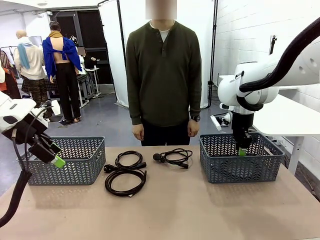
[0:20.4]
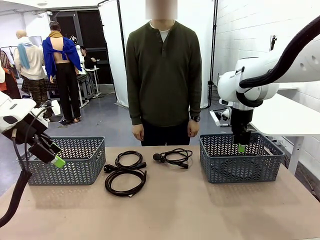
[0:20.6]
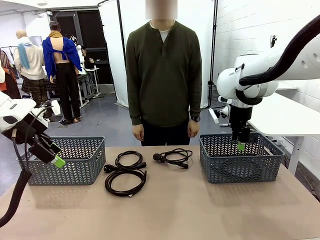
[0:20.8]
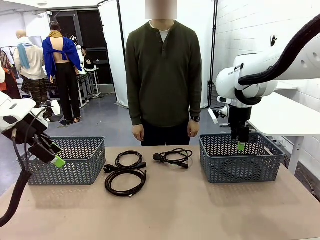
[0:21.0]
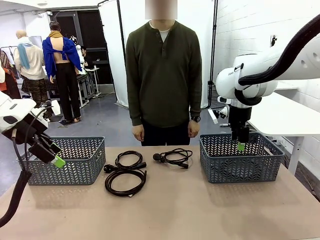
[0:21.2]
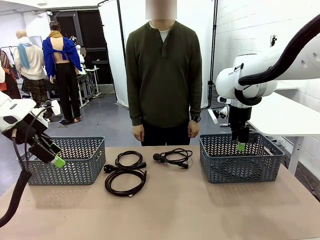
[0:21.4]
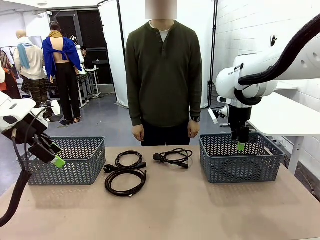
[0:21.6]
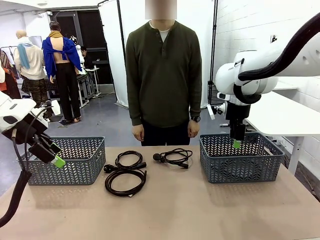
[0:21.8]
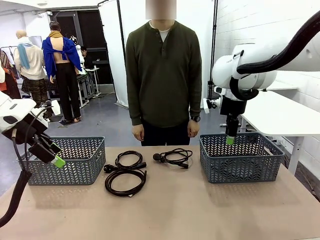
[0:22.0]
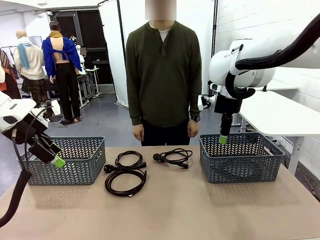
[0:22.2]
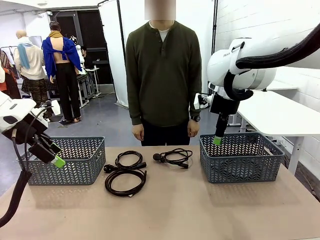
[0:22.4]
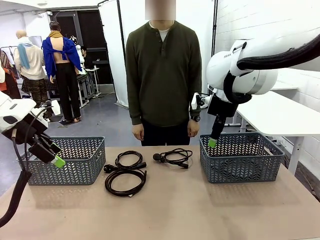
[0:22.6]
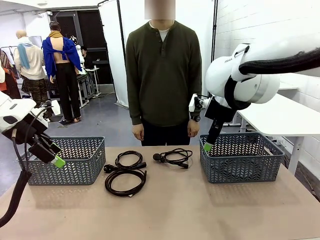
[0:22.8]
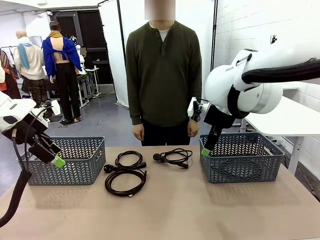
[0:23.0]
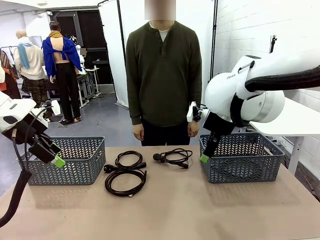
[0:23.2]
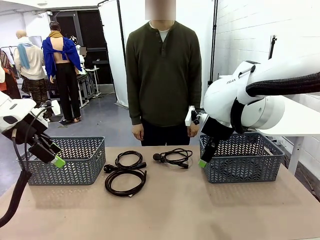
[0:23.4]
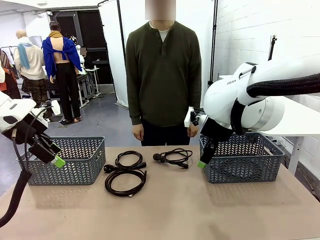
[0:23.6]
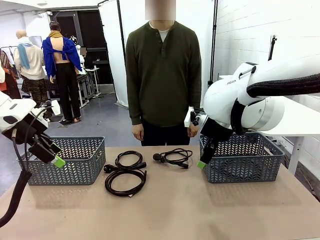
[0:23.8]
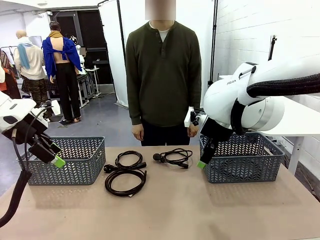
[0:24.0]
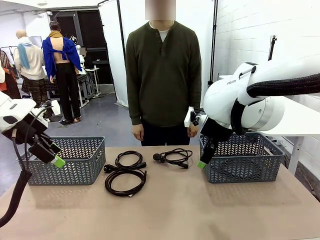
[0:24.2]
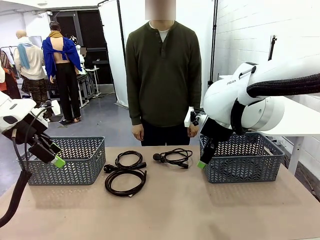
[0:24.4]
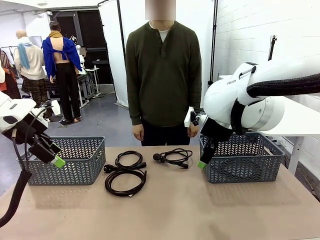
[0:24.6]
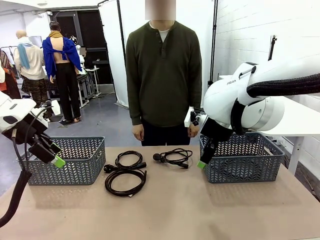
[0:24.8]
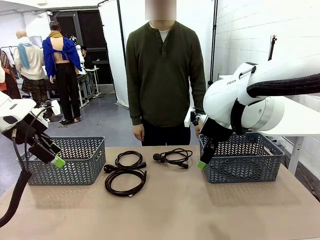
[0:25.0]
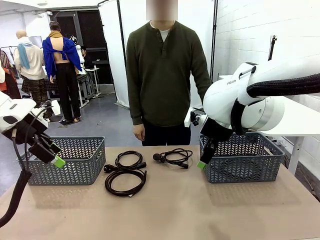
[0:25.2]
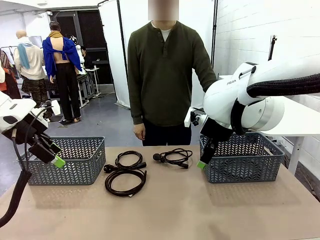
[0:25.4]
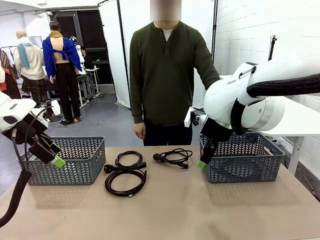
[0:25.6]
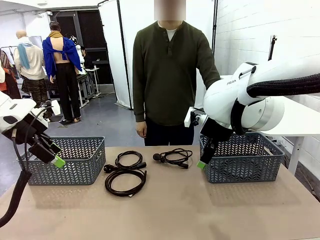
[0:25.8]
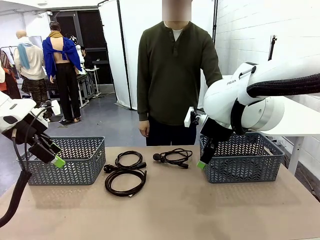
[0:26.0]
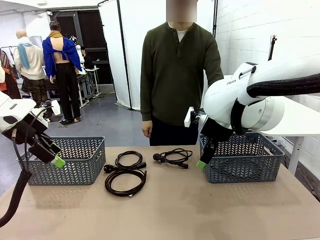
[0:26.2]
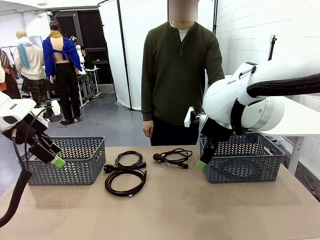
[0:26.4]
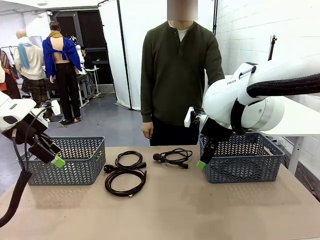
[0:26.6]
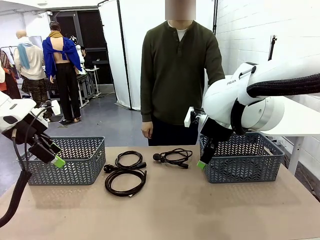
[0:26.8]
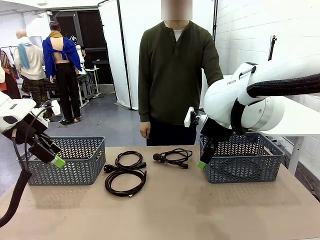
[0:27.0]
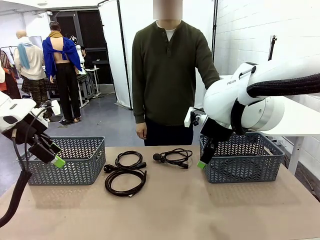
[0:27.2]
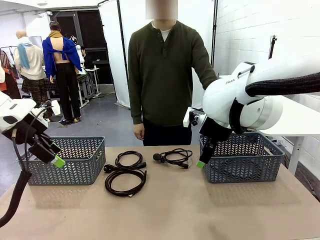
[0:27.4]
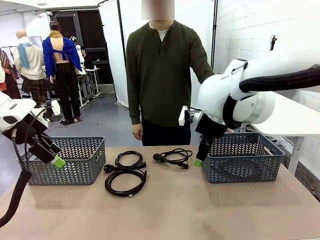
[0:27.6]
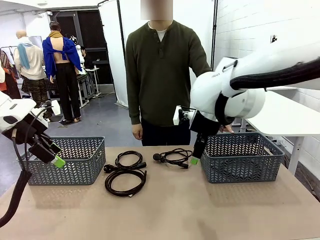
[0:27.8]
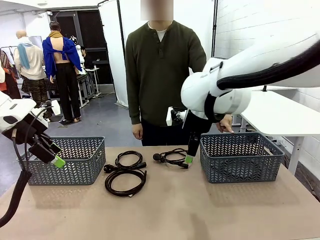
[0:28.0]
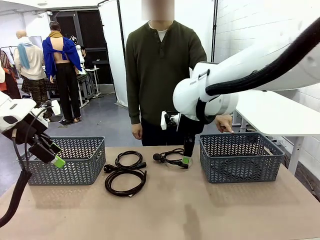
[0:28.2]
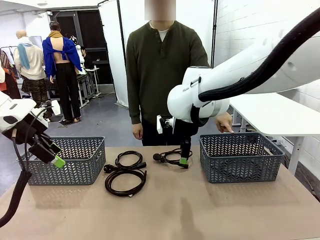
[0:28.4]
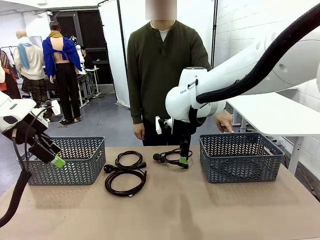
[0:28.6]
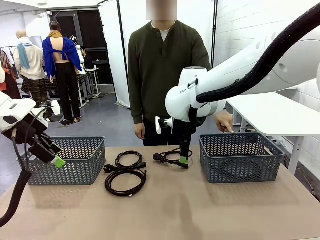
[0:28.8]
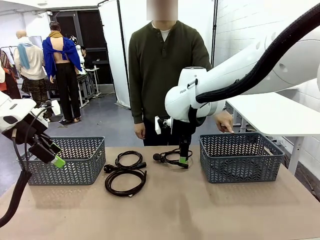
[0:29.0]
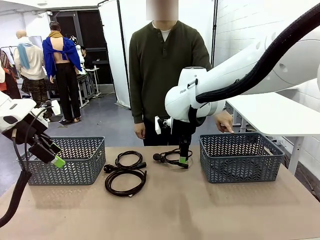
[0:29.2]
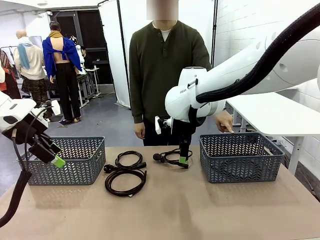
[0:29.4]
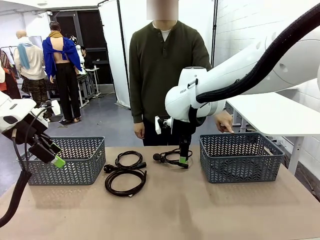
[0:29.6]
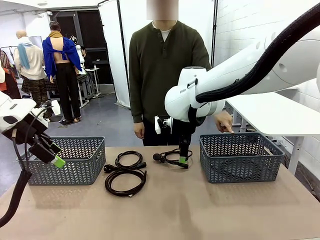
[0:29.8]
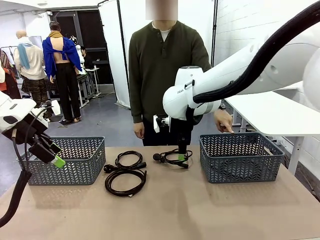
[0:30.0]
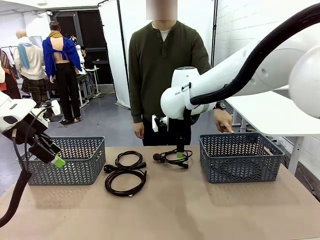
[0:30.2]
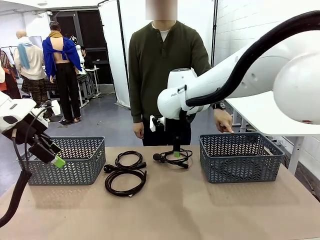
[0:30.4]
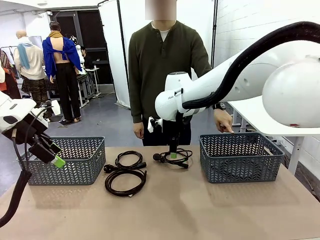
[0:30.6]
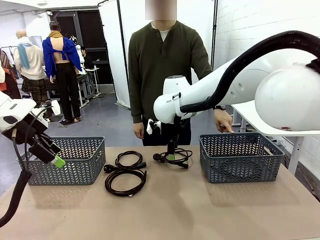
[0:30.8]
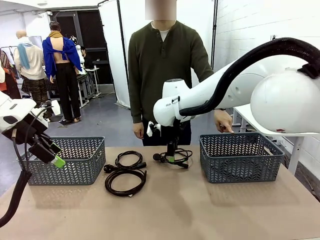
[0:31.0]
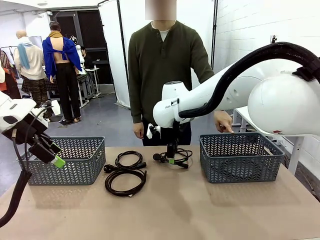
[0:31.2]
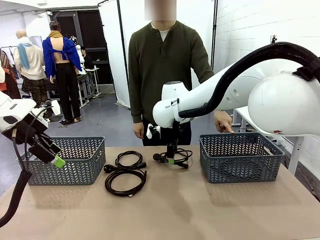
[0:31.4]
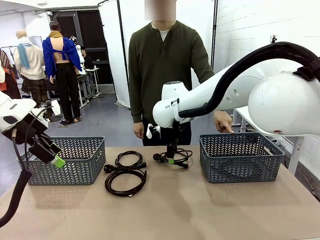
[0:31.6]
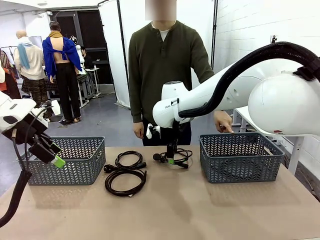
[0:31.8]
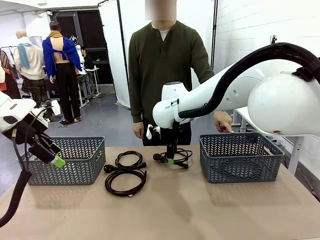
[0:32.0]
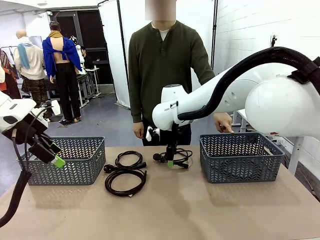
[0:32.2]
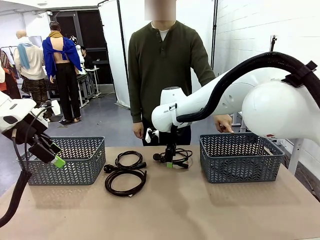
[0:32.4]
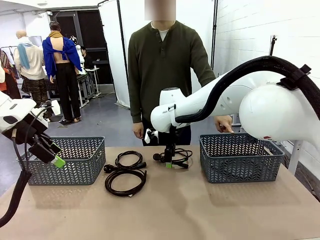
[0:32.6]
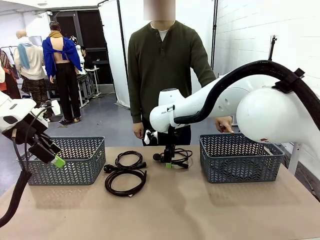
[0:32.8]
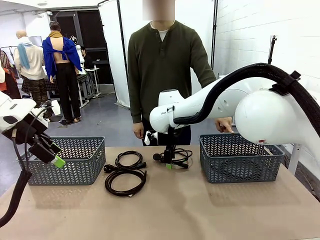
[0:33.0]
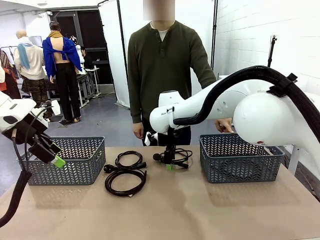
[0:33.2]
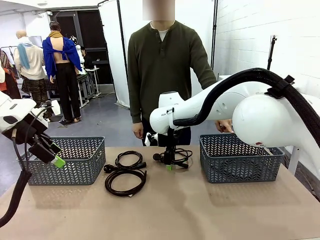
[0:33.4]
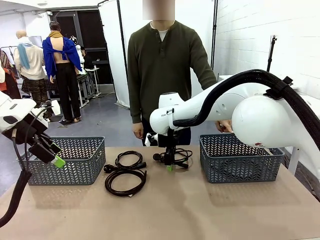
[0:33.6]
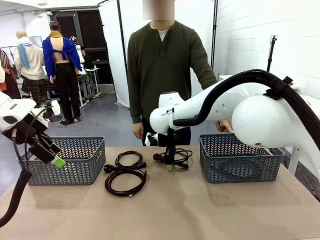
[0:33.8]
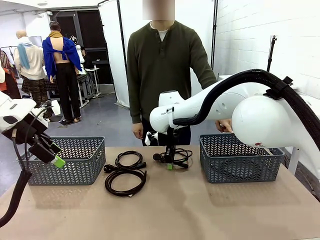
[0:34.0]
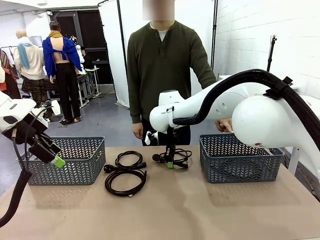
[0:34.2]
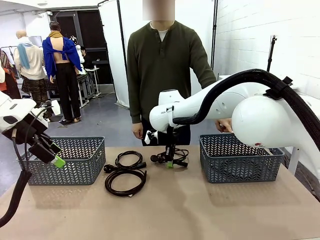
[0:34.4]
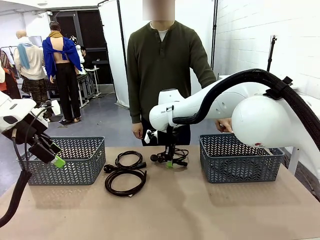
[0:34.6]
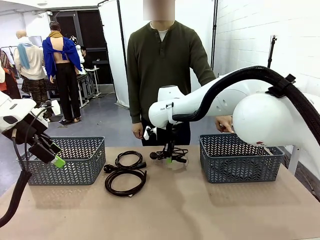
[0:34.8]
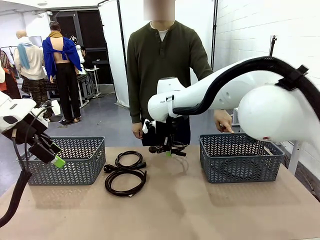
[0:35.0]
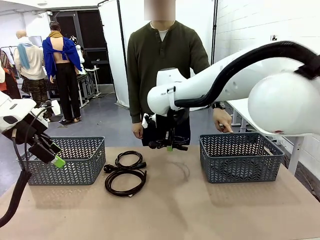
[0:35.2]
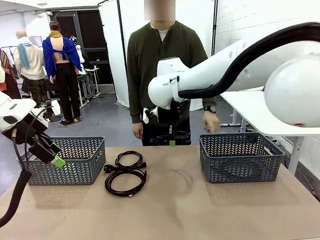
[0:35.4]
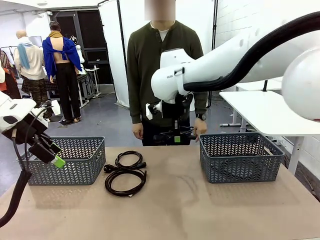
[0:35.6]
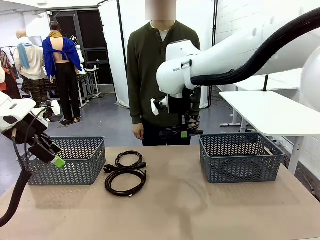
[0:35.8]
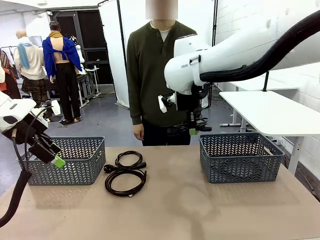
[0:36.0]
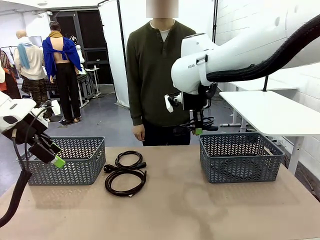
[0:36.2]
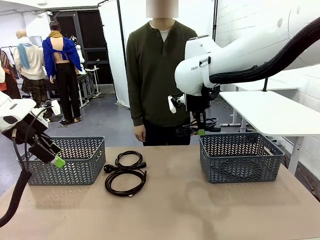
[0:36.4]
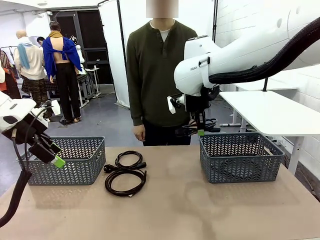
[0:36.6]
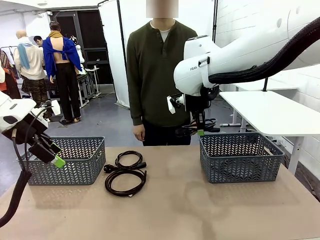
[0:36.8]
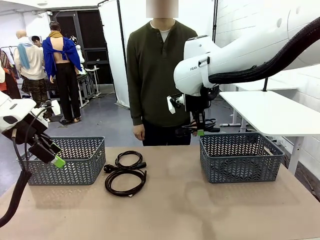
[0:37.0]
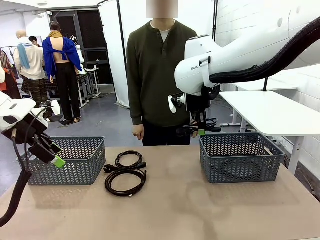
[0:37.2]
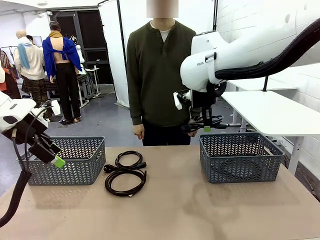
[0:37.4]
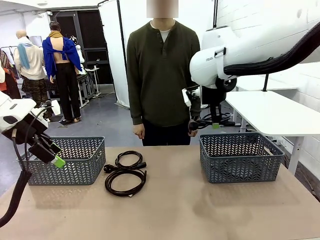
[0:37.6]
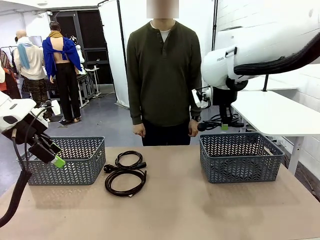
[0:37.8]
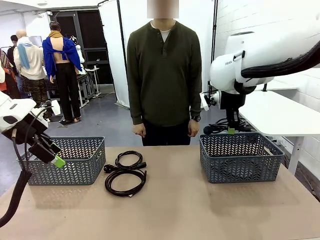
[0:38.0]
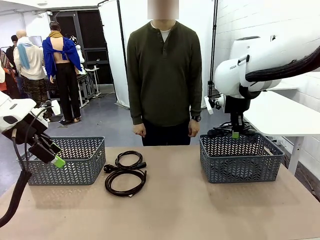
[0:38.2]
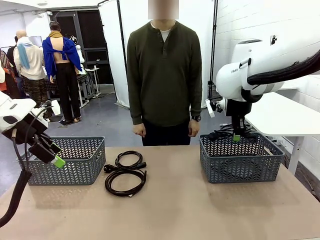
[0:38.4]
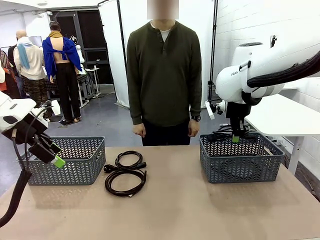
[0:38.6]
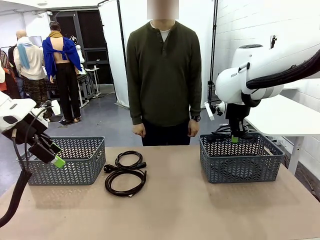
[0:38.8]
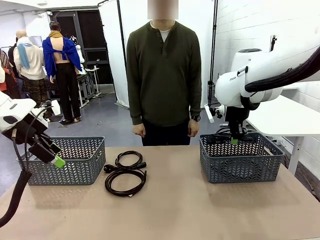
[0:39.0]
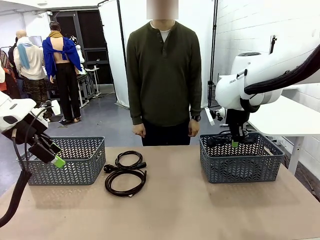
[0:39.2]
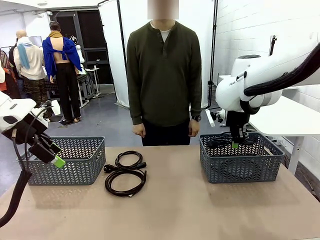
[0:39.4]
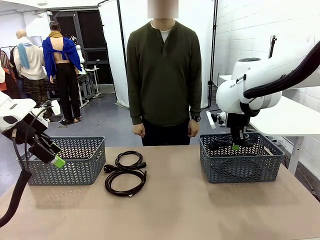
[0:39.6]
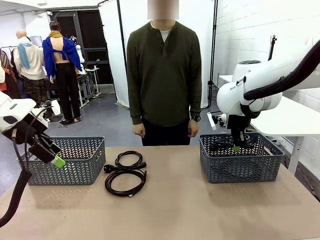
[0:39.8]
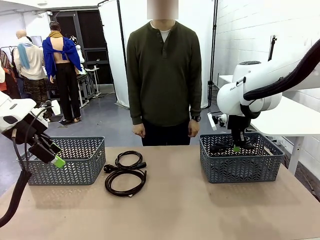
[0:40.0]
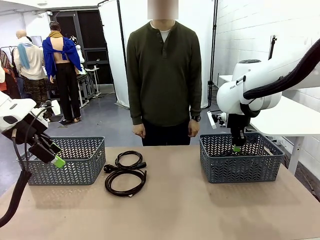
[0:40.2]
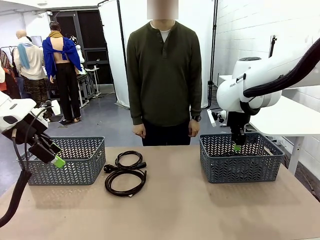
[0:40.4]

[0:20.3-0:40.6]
Task: Organize the cables according to human instructions.
Robot: Pick up a bundle of cables and place it in the basket indicated by the human.
